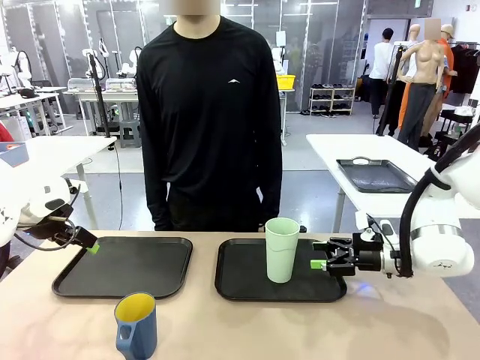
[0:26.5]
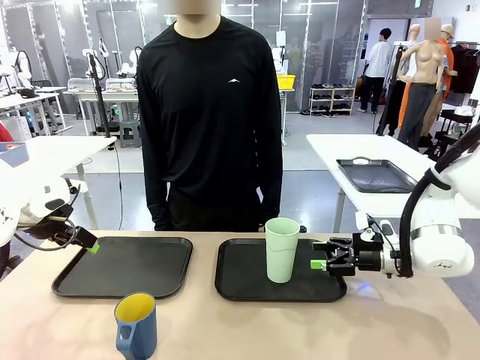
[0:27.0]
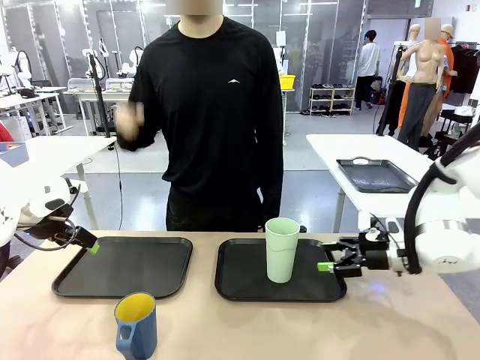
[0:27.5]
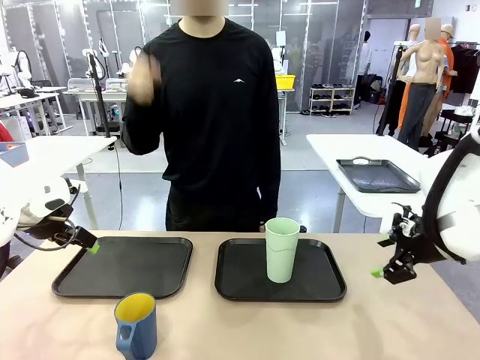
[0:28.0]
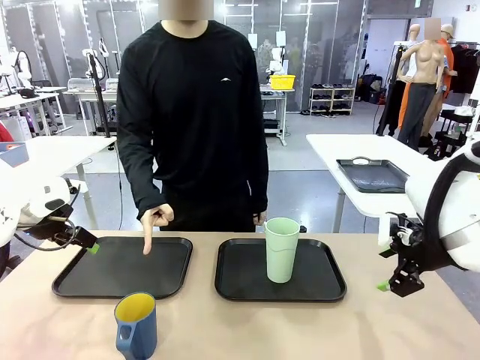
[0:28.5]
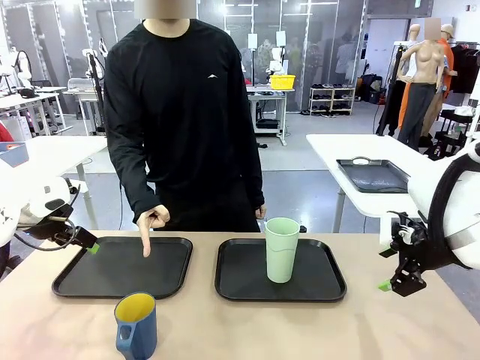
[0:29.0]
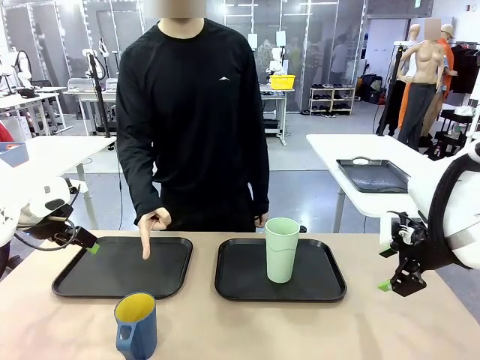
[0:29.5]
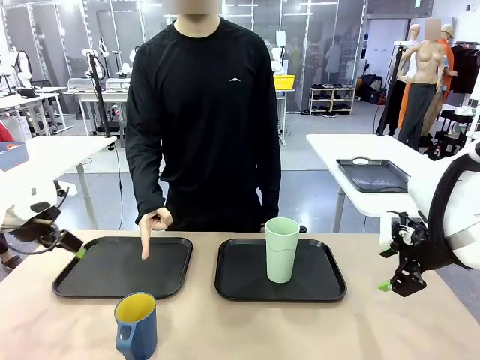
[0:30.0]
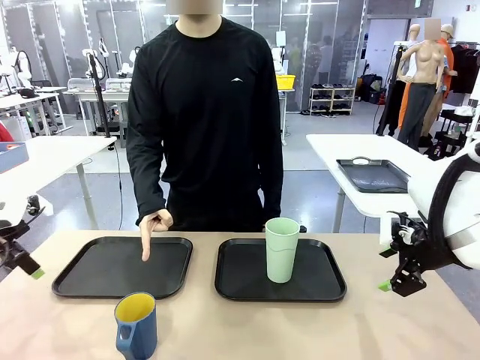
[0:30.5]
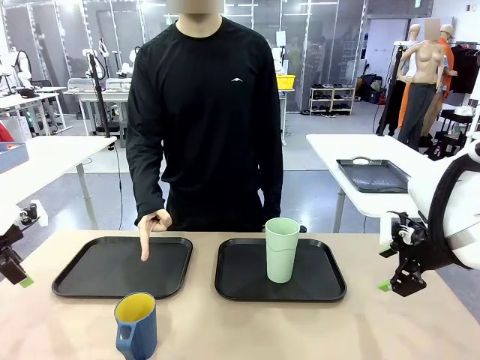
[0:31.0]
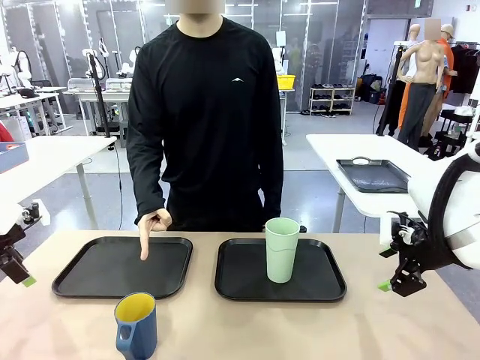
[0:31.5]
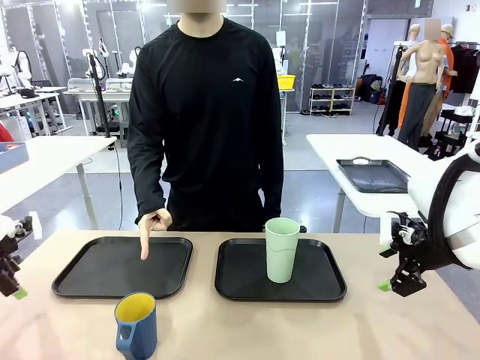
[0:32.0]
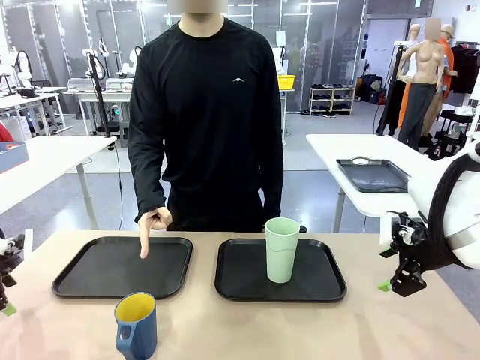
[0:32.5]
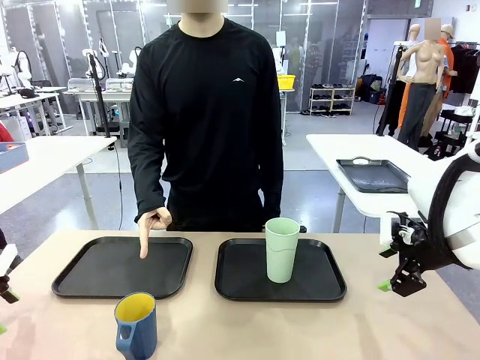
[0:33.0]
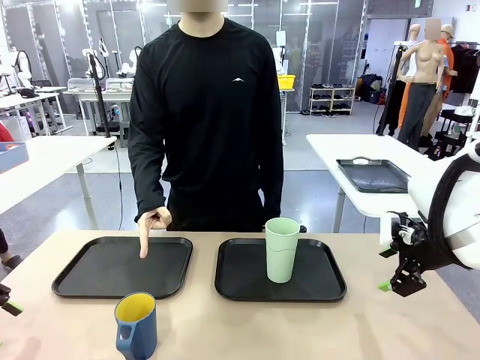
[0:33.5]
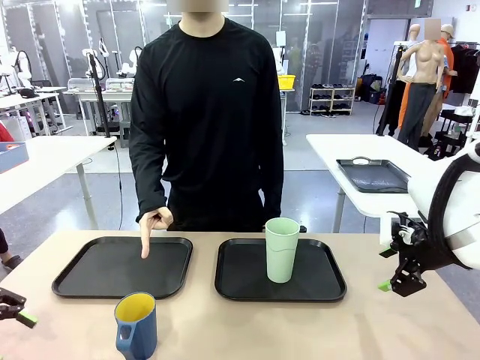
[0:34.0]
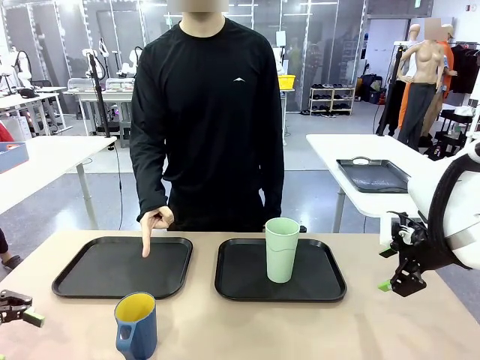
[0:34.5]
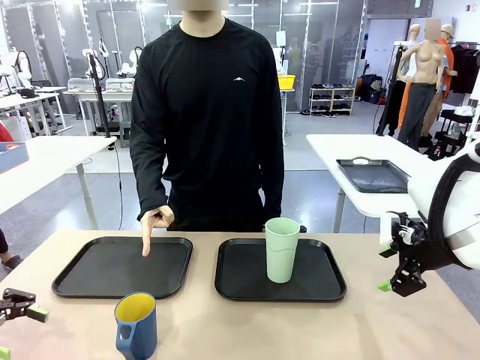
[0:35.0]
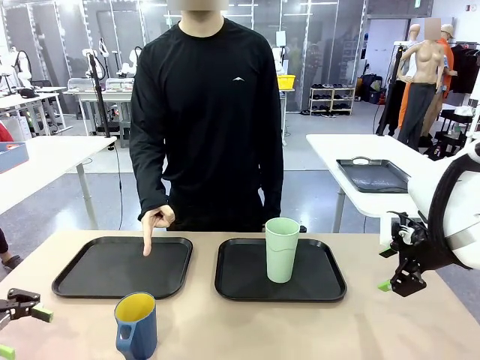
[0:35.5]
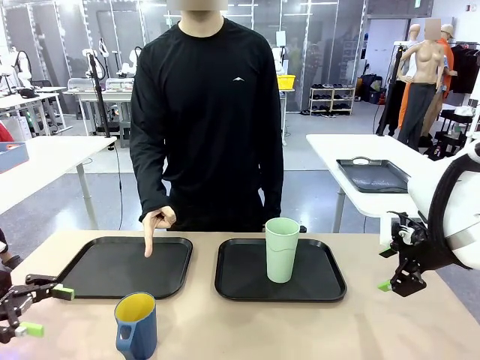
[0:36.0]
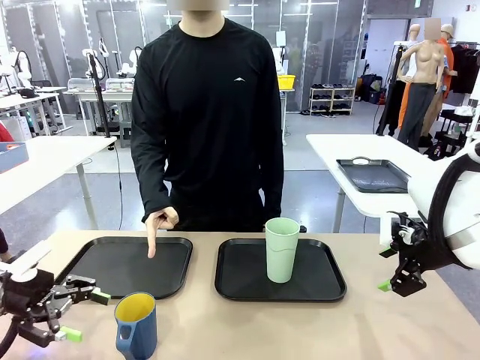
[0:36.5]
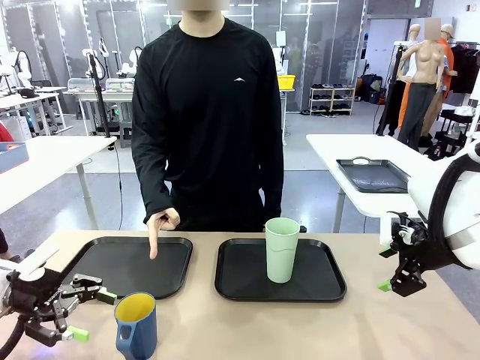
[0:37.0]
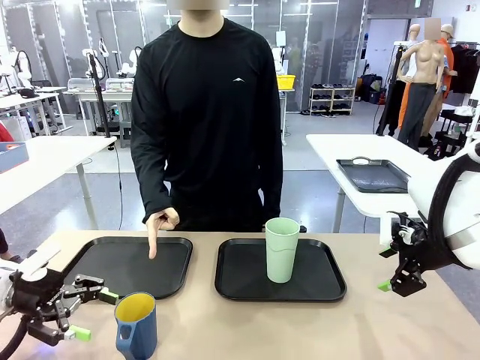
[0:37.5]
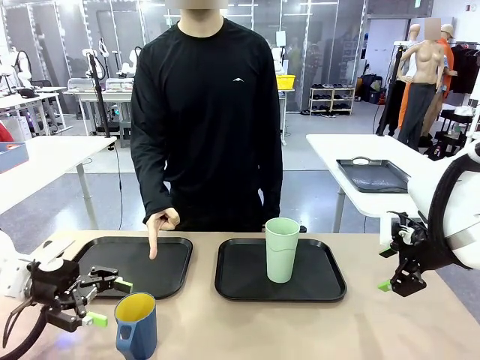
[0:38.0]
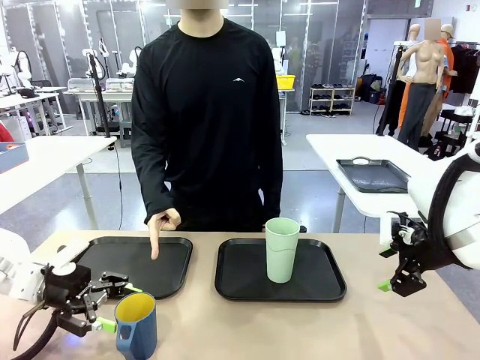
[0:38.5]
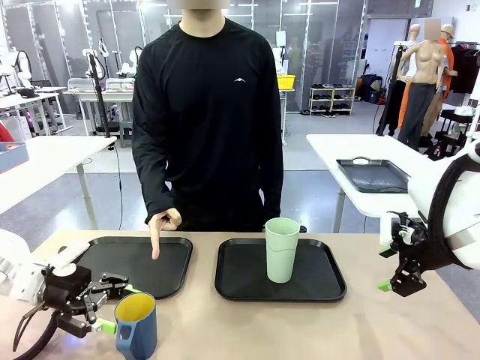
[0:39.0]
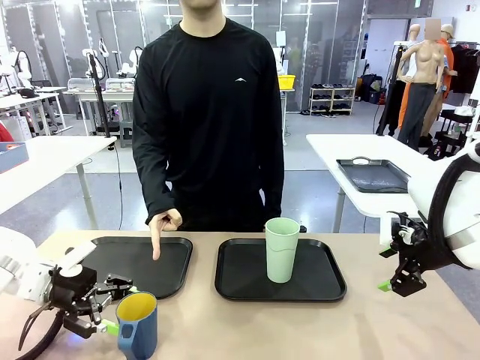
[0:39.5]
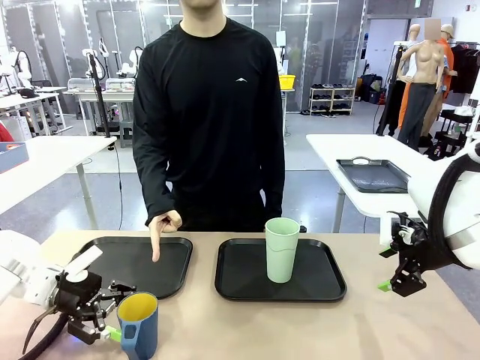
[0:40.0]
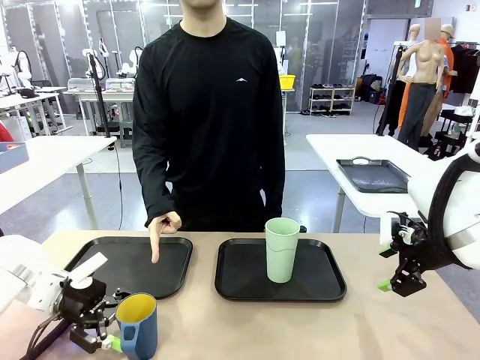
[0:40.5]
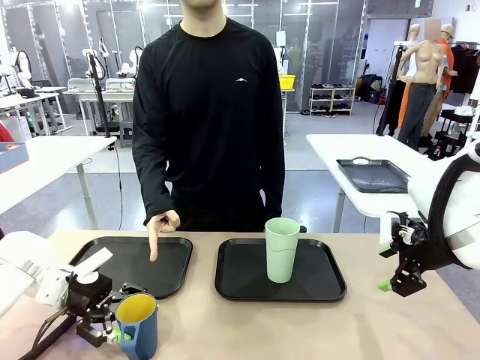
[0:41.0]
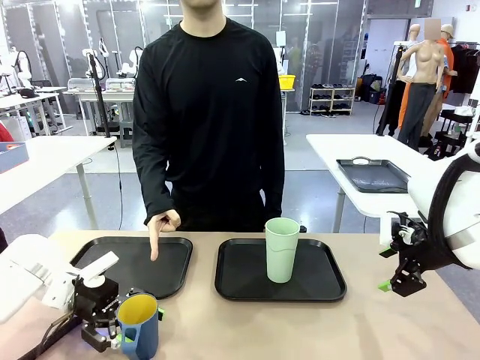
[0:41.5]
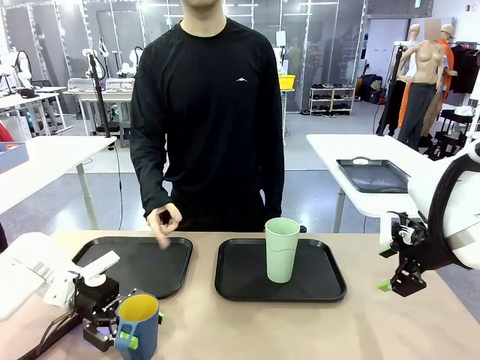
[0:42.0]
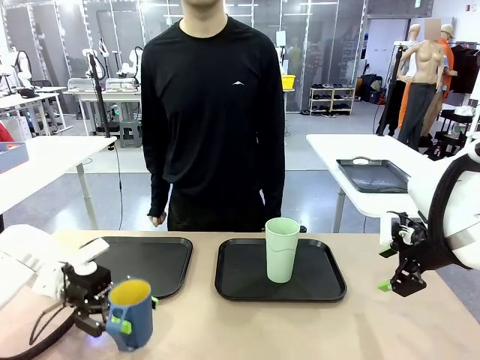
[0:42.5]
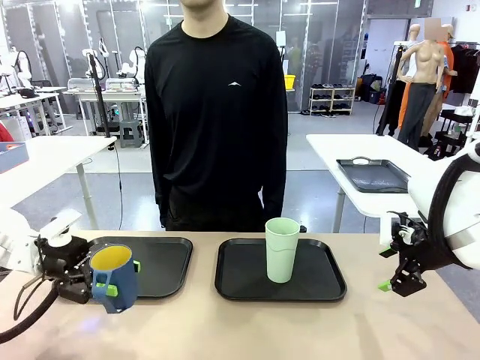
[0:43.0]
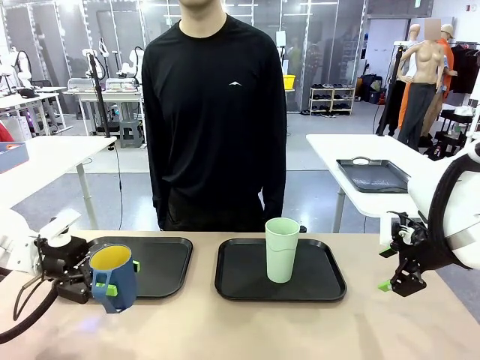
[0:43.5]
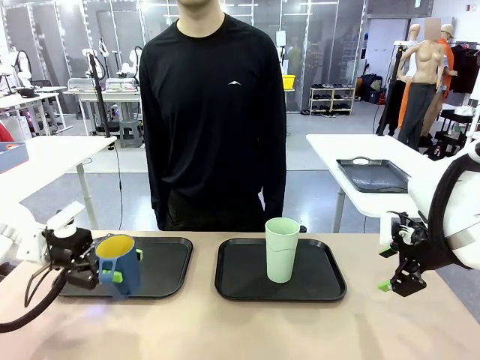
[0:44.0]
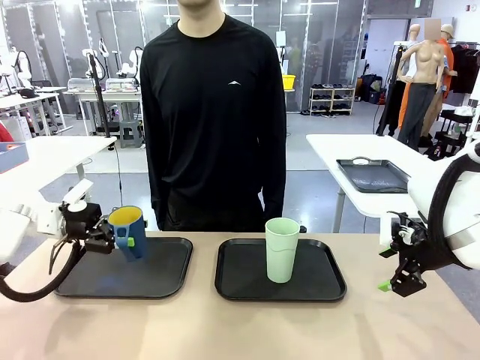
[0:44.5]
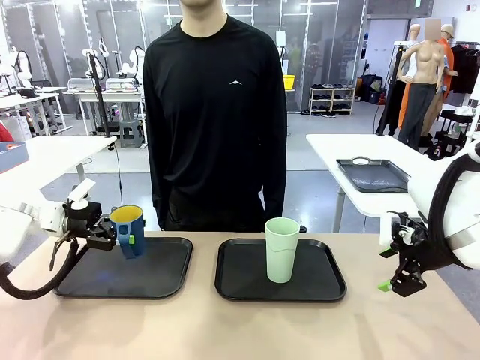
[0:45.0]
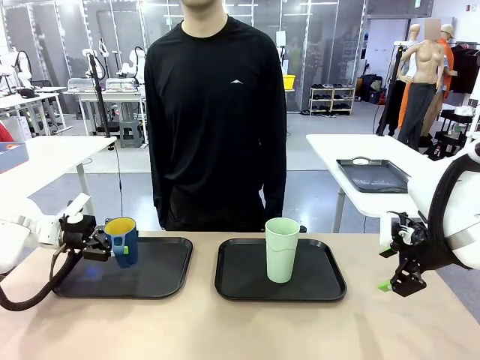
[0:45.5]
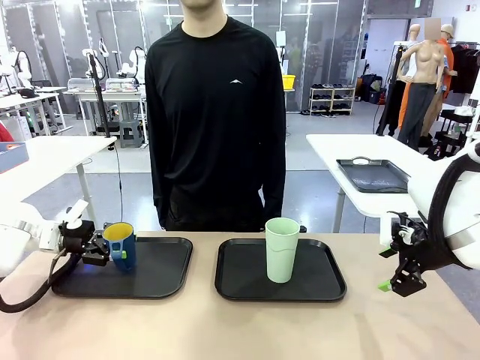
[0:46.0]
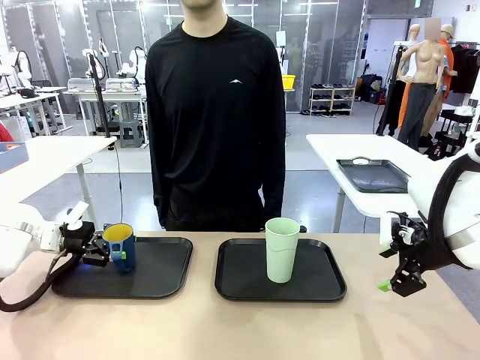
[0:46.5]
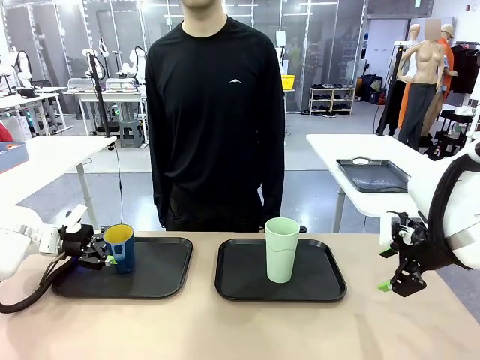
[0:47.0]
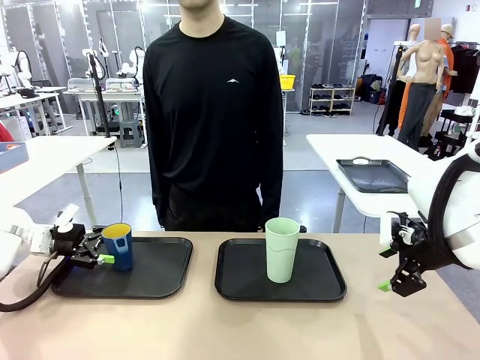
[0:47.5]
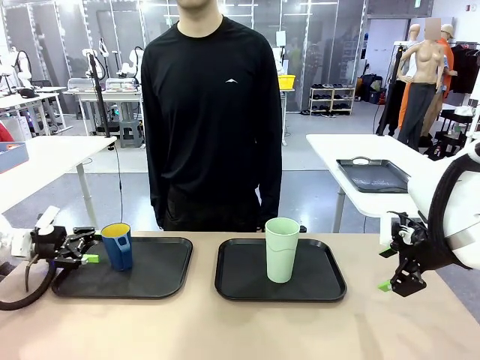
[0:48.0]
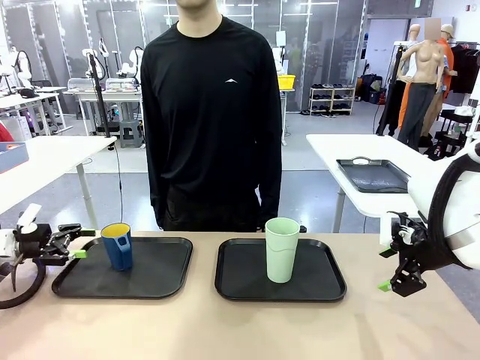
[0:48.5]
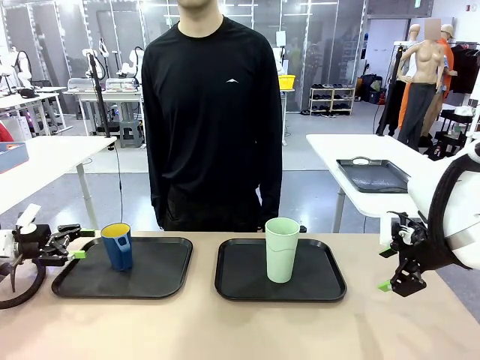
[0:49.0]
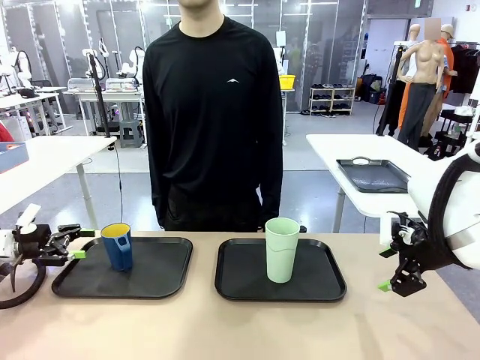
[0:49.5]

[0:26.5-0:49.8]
Task: Sort and store the cups by type.
Robot: Pick up the Handle plastic cup and place it into the empty Flat Tray.
Person: Points to the cup with a handle.
